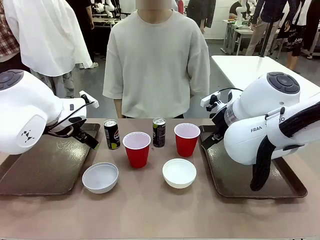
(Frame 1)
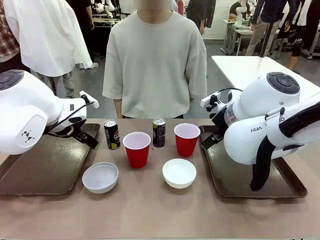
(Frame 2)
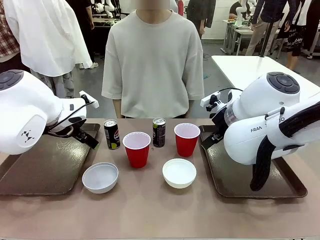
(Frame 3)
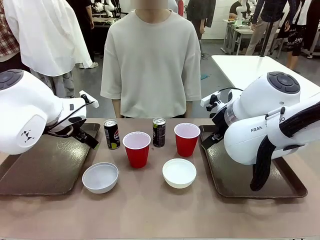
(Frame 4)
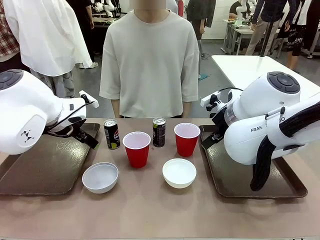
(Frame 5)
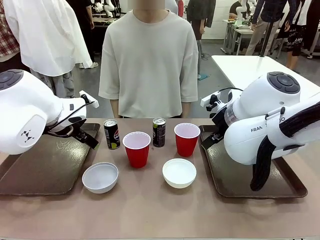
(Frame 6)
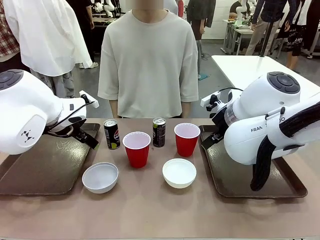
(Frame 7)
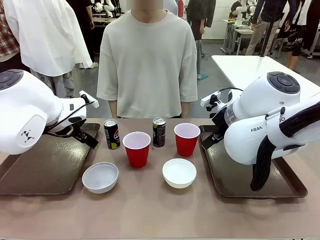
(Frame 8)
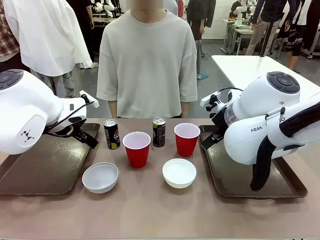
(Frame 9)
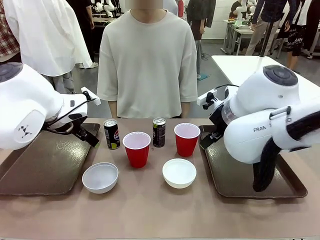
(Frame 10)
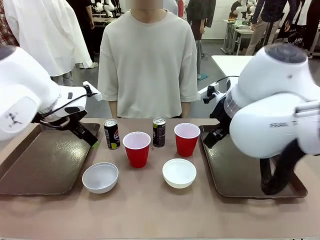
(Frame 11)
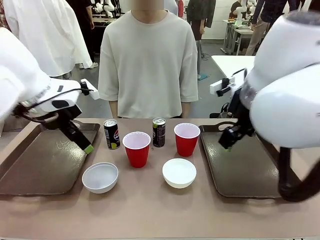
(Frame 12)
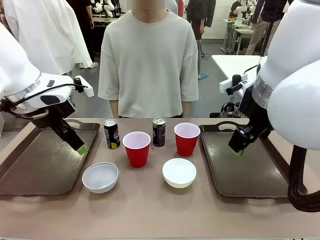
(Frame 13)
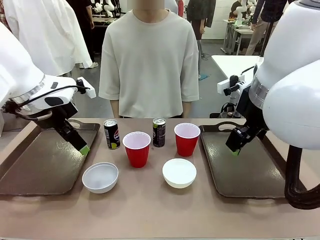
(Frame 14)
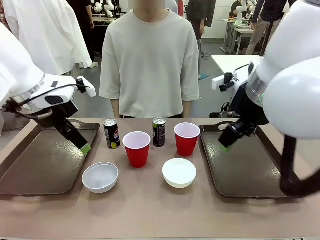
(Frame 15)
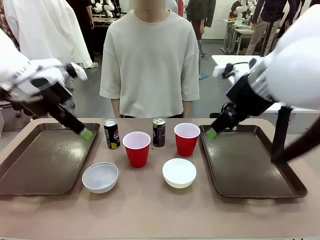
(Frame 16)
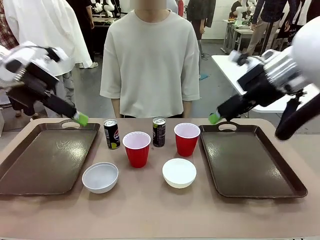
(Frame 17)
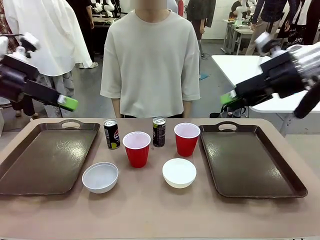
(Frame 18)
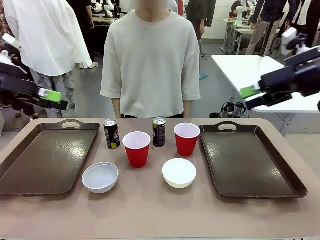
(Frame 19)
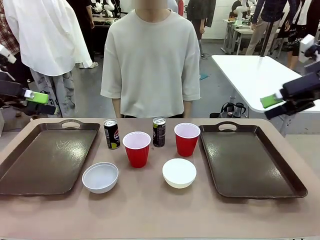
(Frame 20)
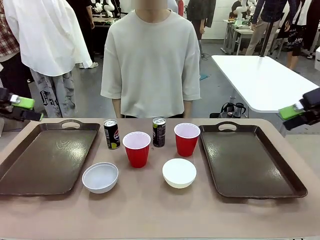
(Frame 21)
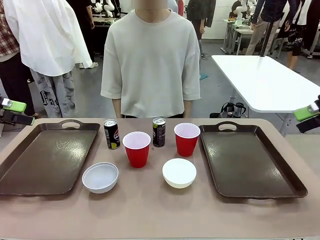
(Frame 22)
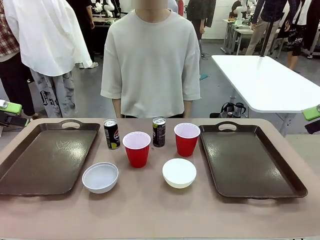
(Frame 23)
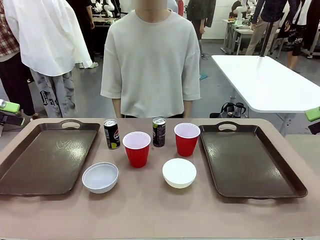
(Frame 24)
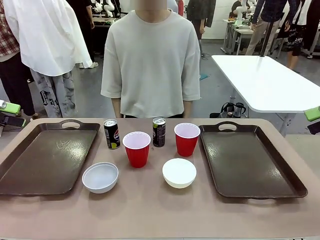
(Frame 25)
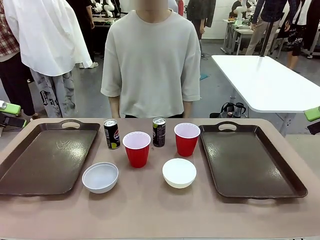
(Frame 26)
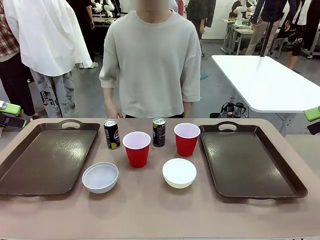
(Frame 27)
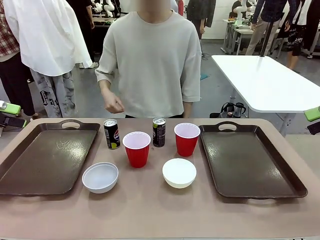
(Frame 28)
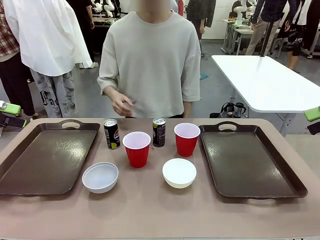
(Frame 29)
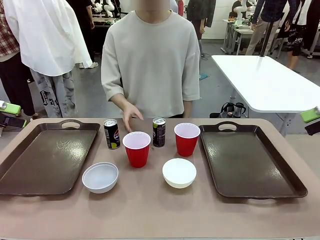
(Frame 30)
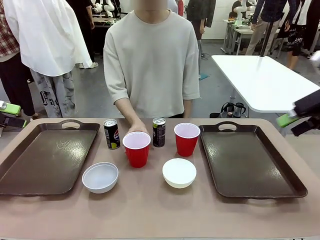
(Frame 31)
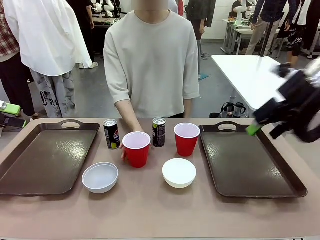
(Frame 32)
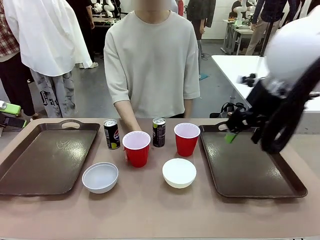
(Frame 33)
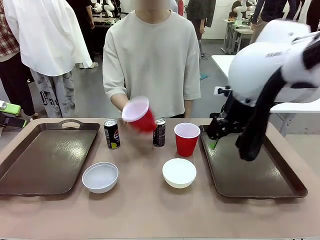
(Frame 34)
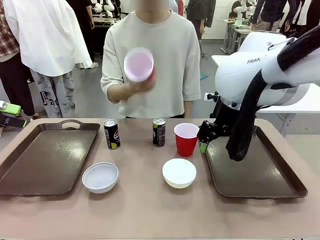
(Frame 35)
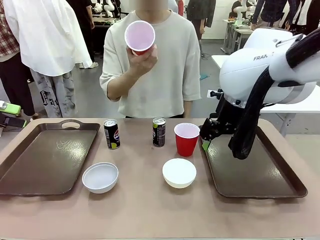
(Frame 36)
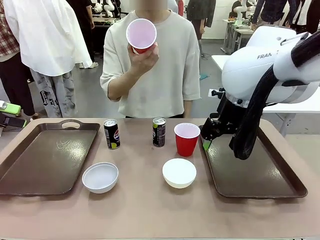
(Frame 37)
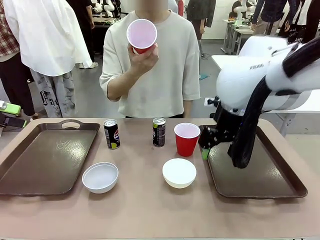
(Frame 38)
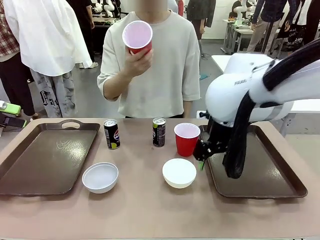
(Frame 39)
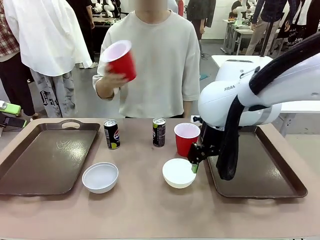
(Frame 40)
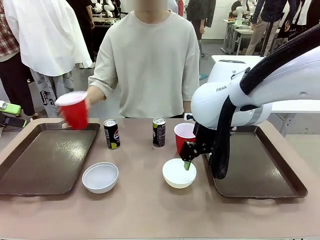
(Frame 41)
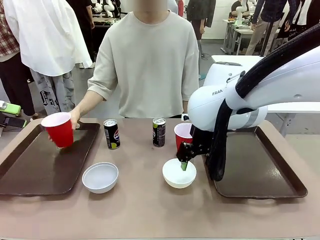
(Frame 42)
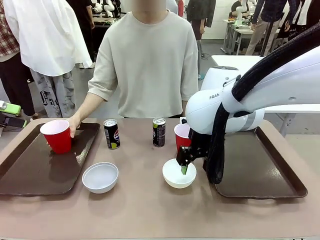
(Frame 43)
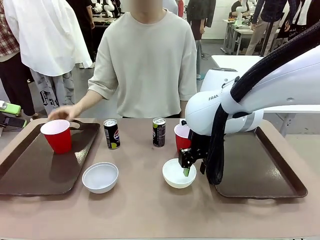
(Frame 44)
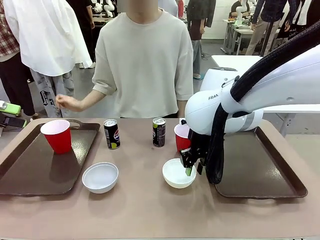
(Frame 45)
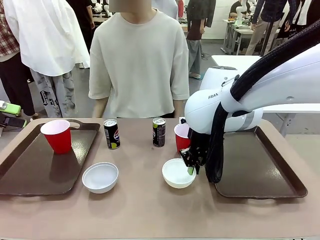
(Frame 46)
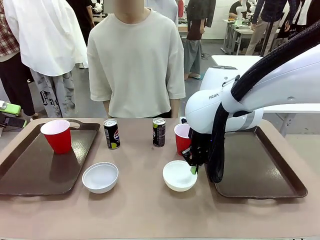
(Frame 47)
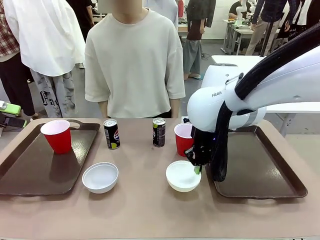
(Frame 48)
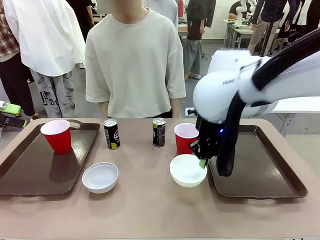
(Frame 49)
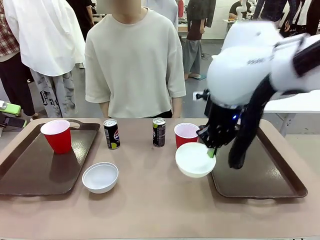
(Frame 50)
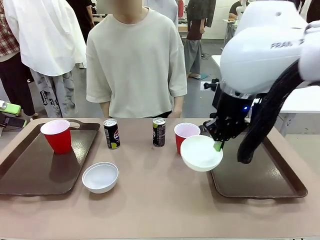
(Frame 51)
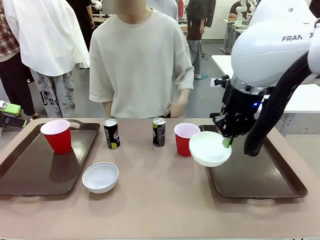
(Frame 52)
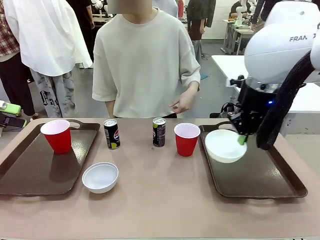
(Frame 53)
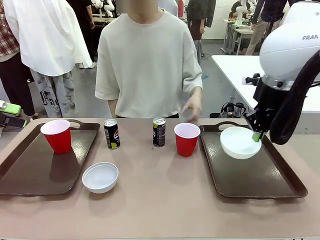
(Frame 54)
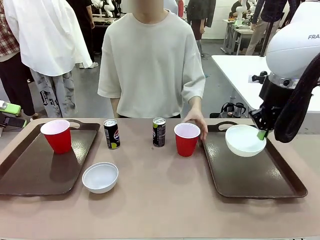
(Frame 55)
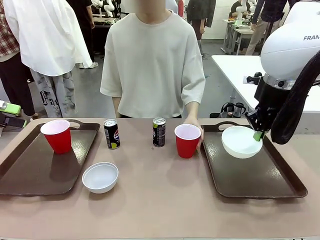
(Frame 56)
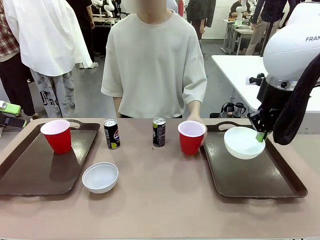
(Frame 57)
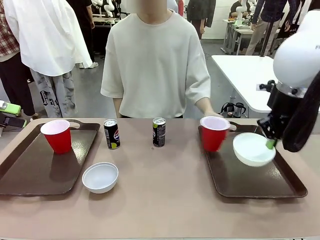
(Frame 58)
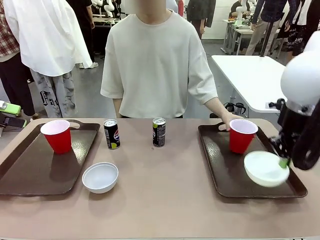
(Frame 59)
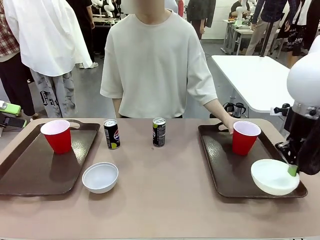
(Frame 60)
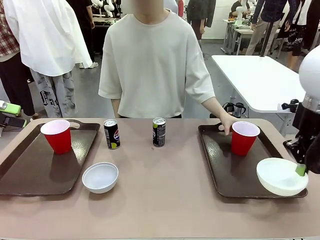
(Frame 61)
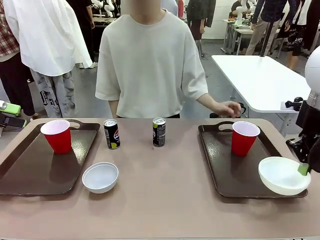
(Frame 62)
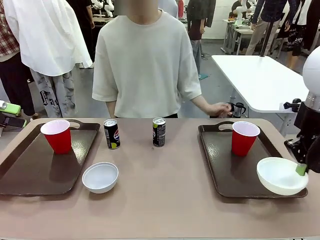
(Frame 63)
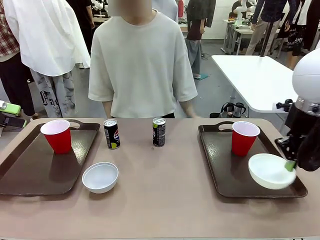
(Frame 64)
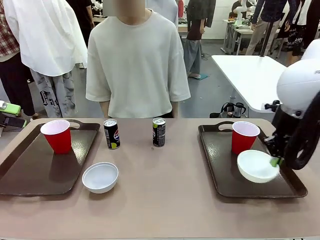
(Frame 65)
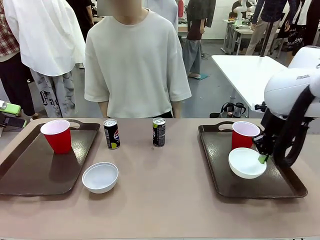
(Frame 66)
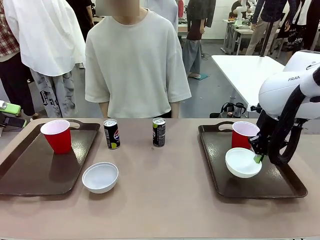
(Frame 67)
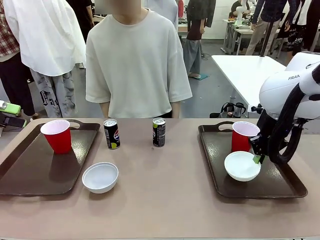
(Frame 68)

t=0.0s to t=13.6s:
Task: Prepare tableware on both trays.
Robot: Pick up a Picnic Bowl from the table and place it on a Handle tray.
Person: Pick up a can or cup and place it on the tray.
